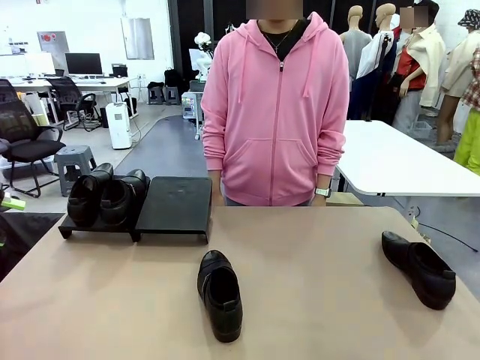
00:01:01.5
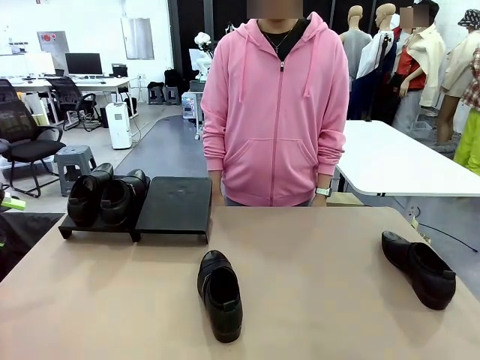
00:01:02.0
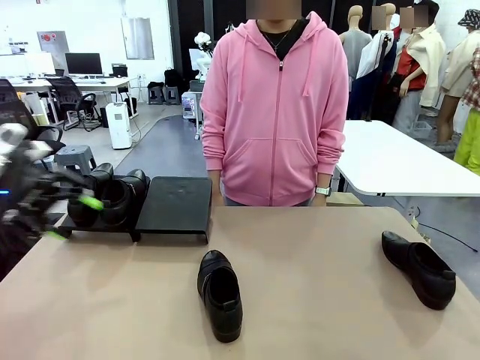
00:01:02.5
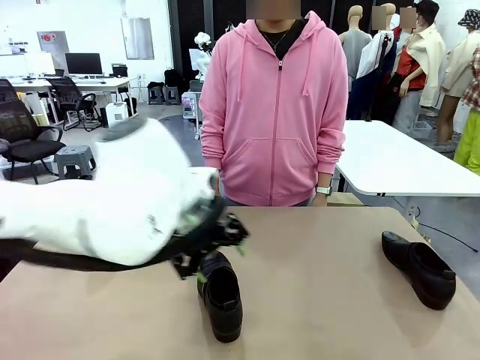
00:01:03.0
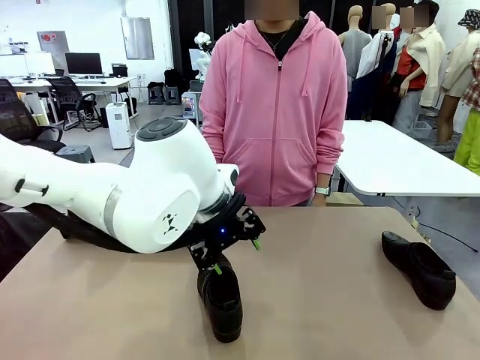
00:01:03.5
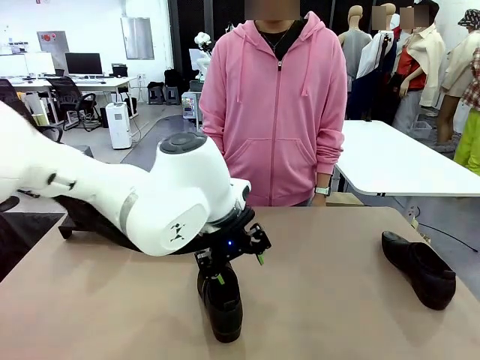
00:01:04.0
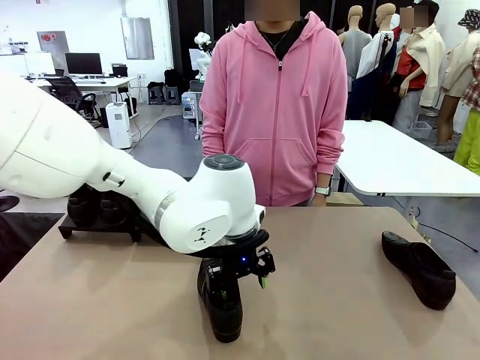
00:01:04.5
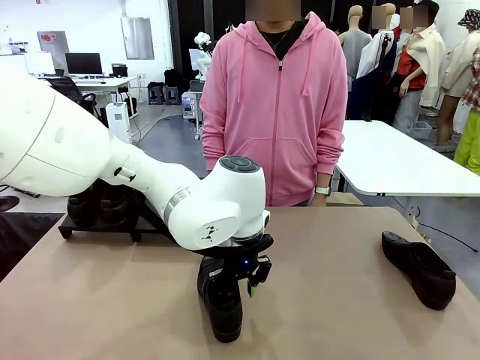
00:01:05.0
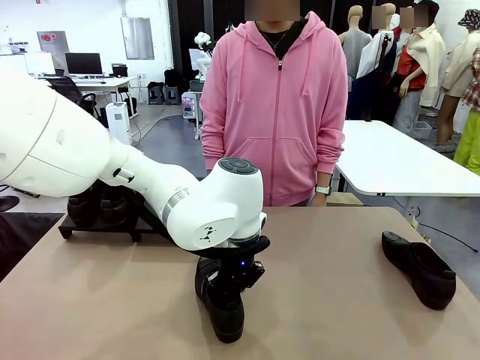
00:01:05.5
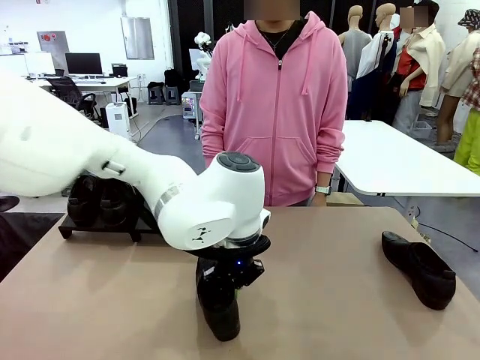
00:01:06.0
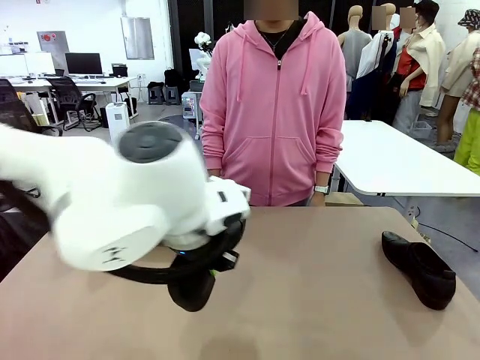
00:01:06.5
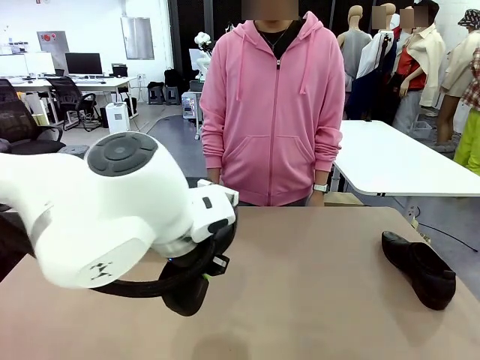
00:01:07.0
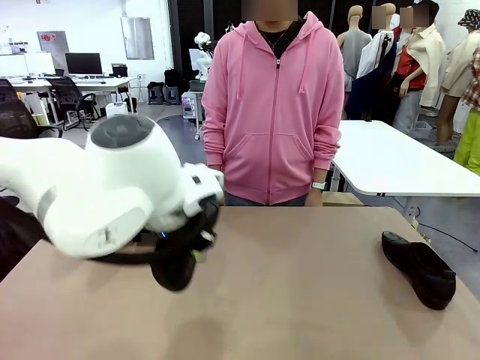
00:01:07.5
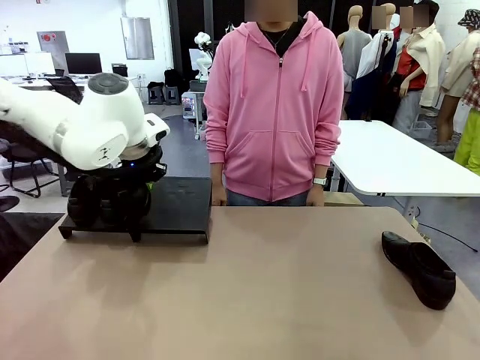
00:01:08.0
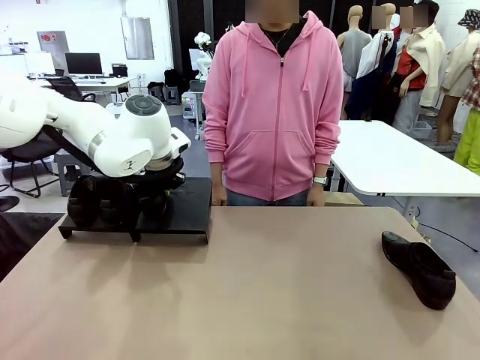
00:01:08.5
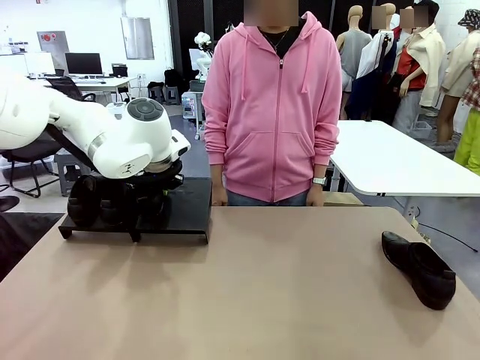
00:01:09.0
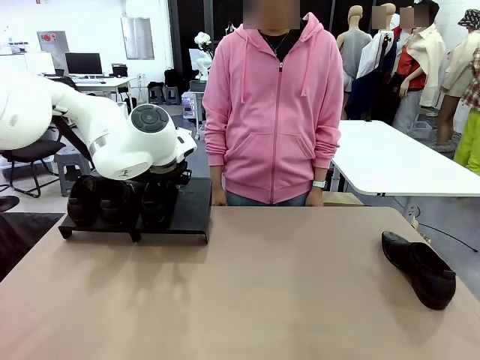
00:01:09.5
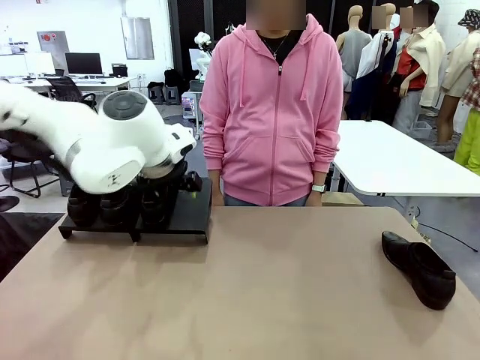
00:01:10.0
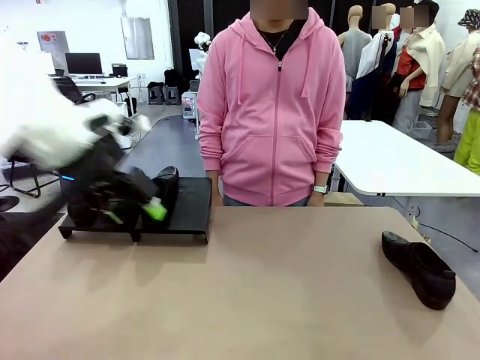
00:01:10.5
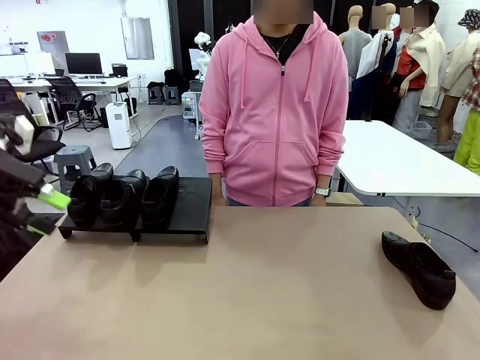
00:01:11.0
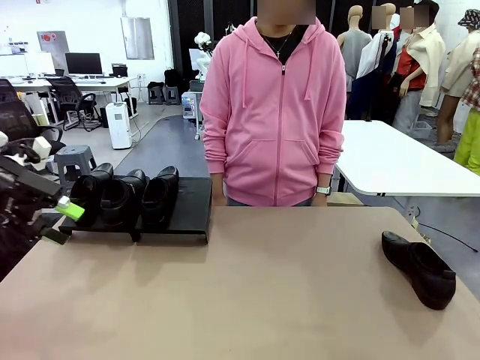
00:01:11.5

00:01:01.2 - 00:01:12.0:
Task: Organize the shoes by placing them on the stand.
Robot: Place the Shoe from the middle of the table onto the Shoes Stand.

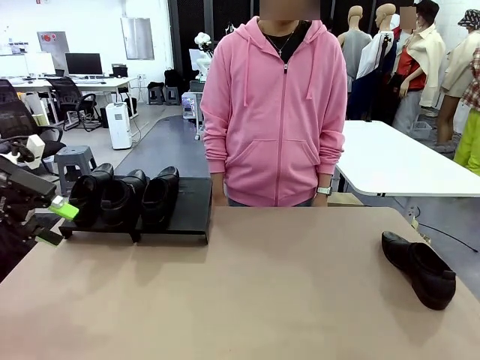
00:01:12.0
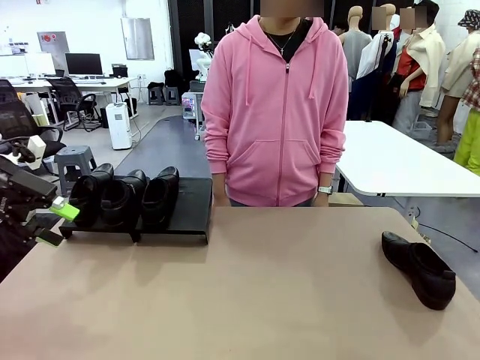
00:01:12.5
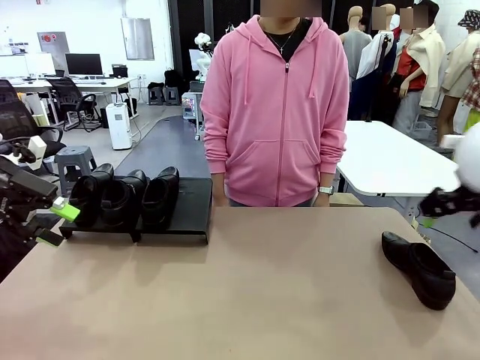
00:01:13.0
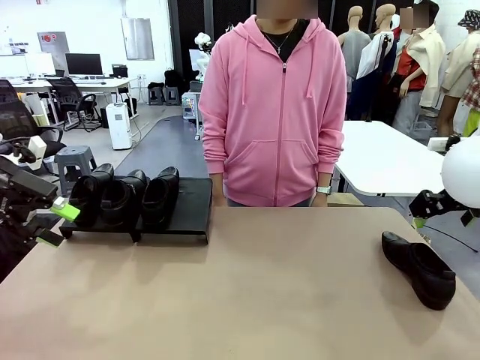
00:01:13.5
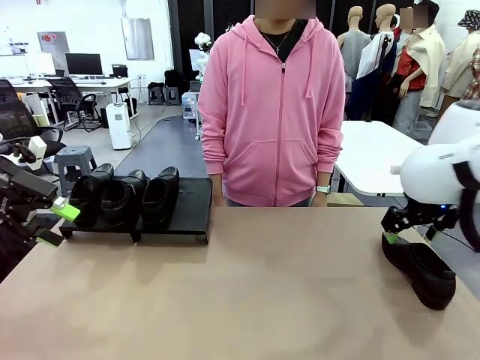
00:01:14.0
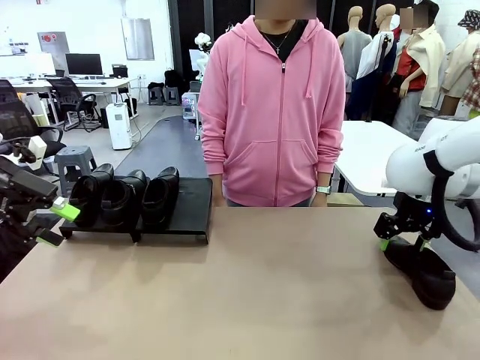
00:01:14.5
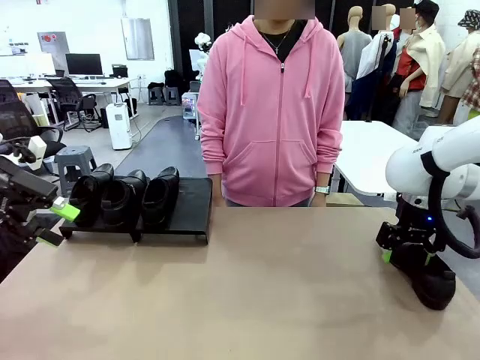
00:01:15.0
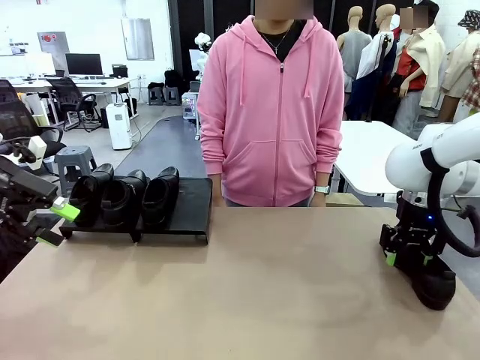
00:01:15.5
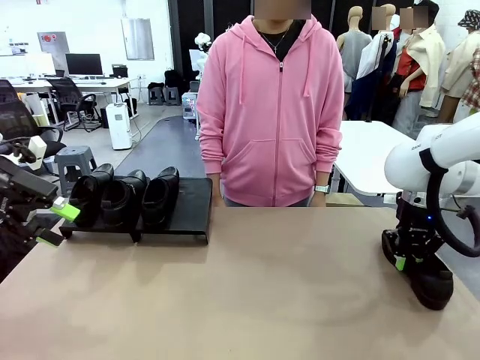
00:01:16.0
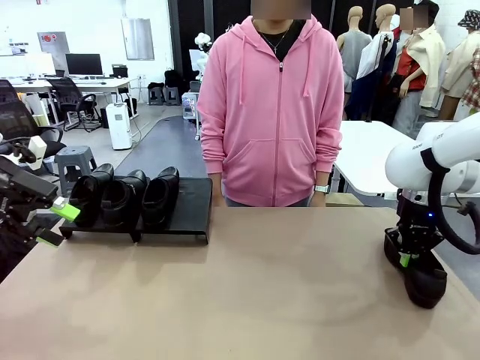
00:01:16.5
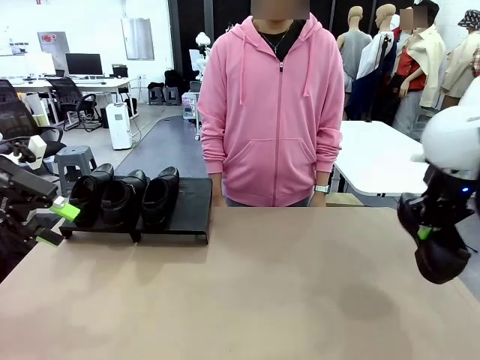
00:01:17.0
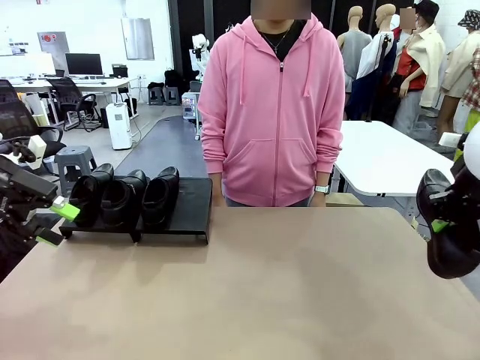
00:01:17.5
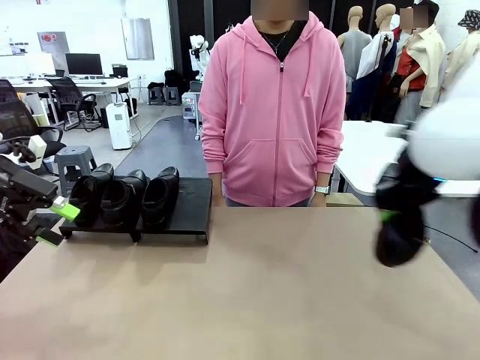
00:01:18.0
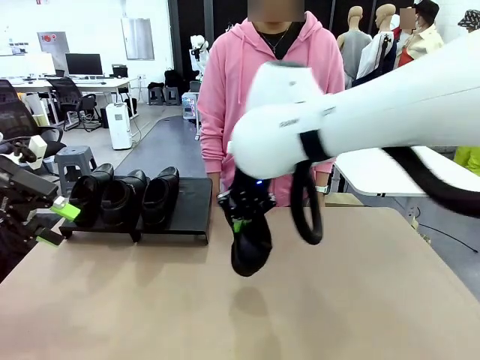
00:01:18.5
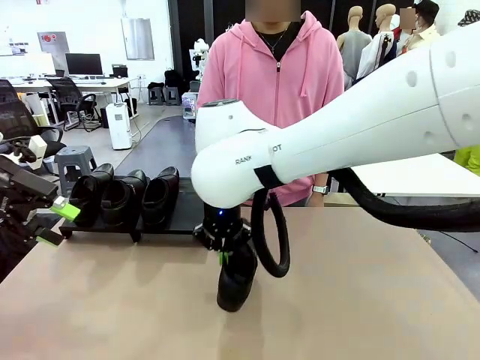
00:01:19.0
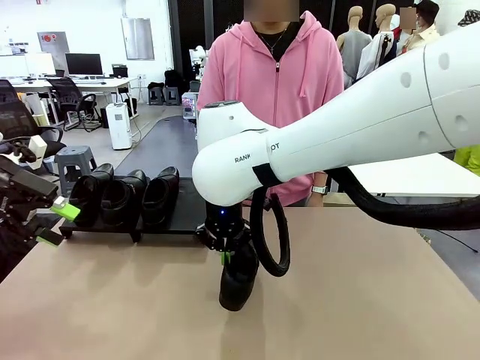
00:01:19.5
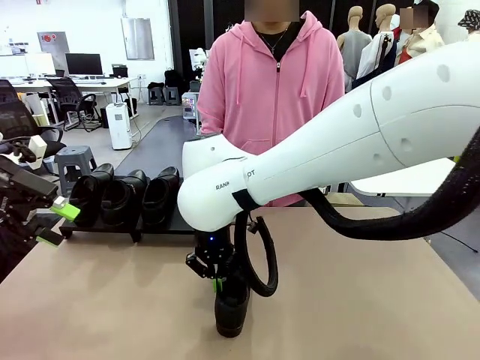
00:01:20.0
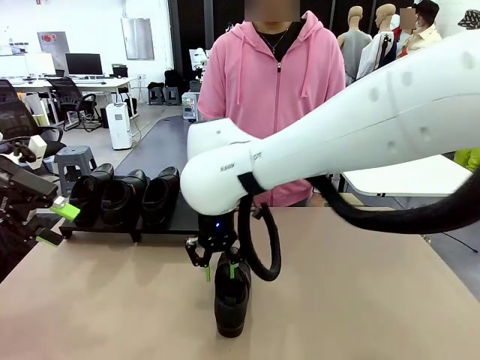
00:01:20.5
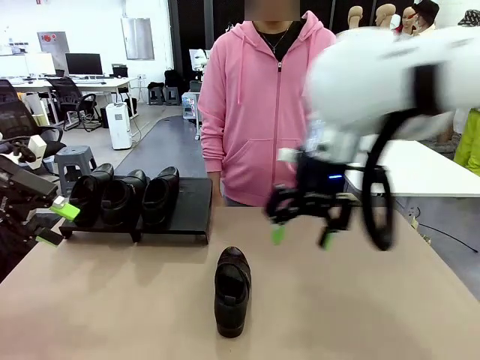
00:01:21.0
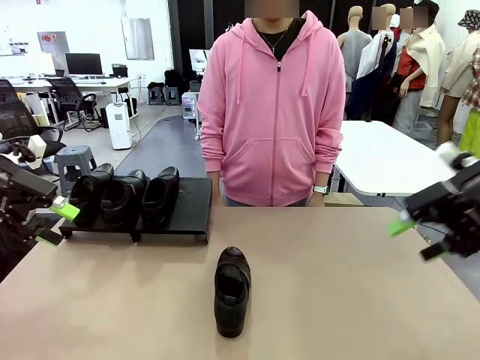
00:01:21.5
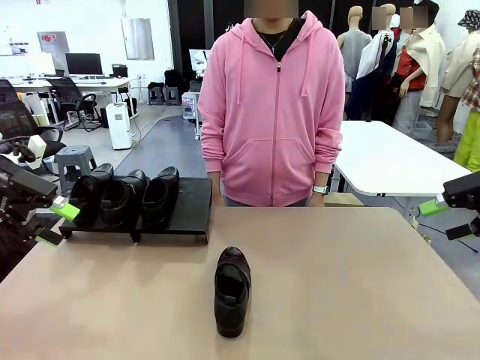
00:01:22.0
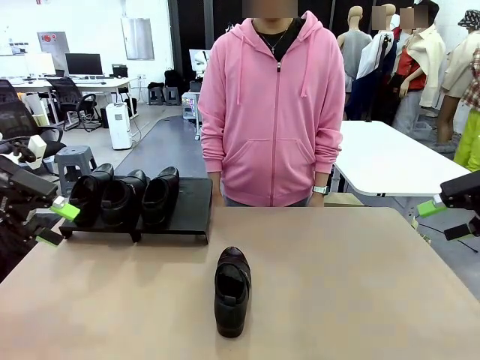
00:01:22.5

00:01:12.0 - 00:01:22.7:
Robot: Pick up one Shoe and place it in the middle of the table.

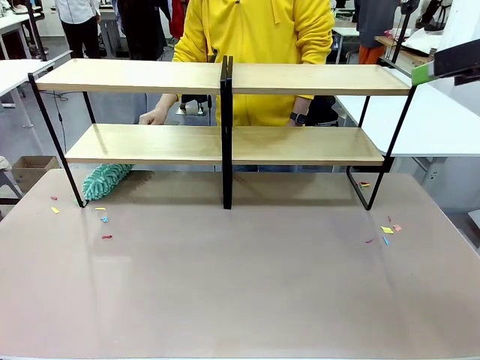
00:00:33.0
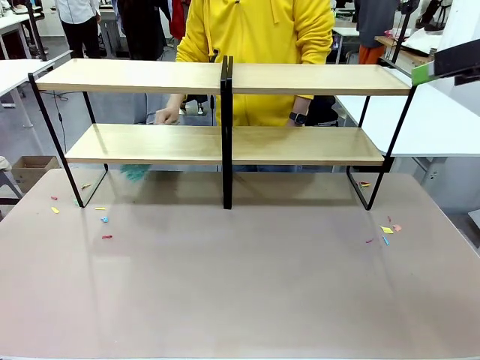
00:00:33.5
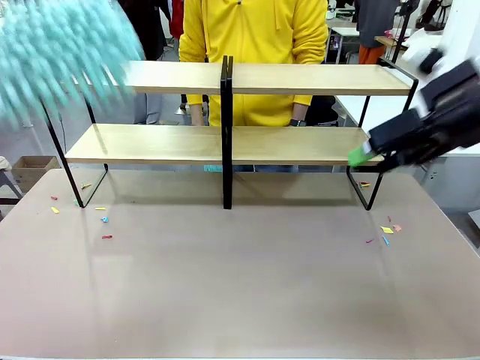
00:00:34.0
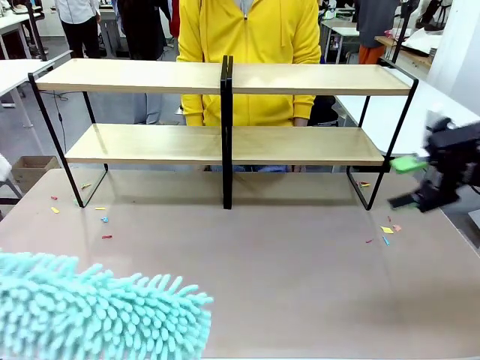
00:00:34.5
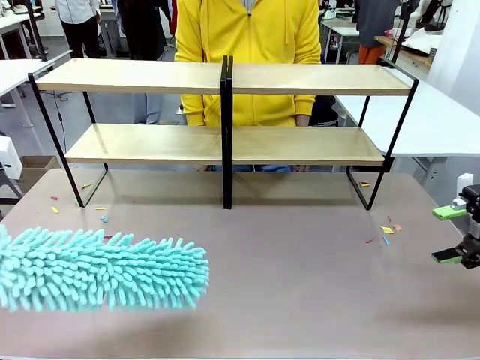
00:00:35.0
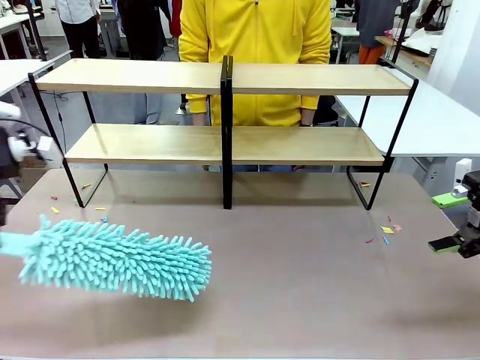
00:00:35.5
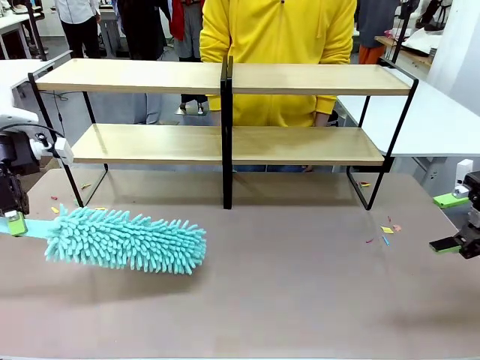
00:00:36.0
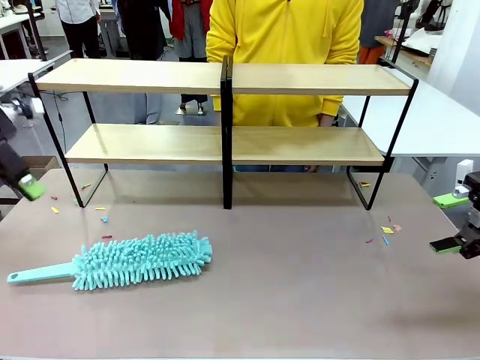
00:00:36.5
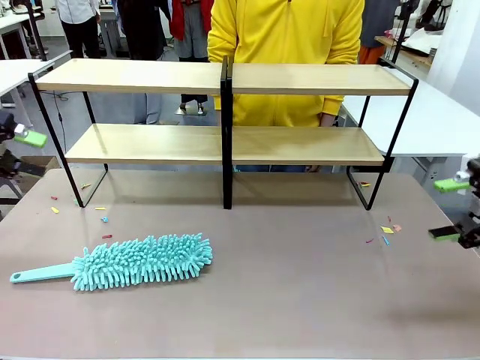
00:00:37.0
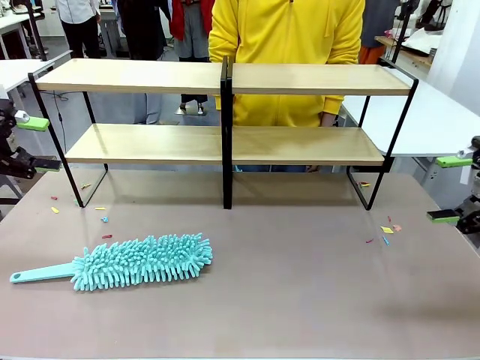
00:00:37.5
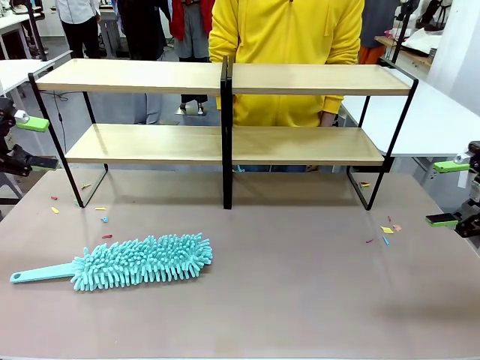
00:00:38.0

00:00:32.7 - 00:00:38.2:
Task: Clean the shelves.
Robot: Place the Duster on the table.
